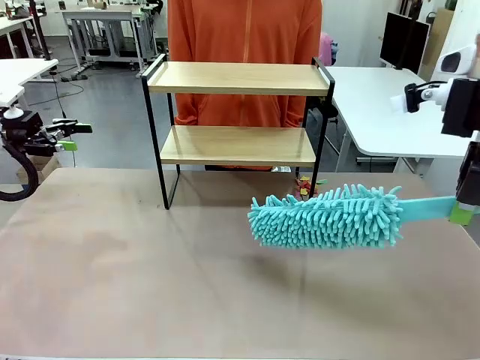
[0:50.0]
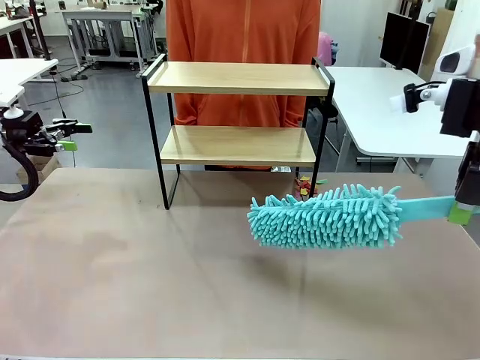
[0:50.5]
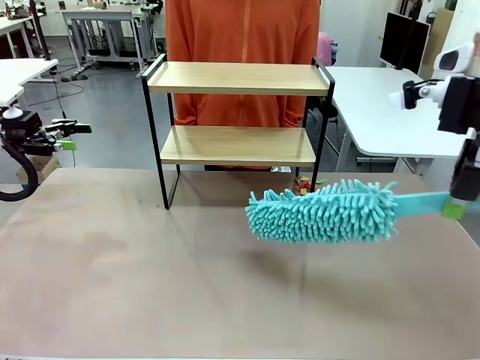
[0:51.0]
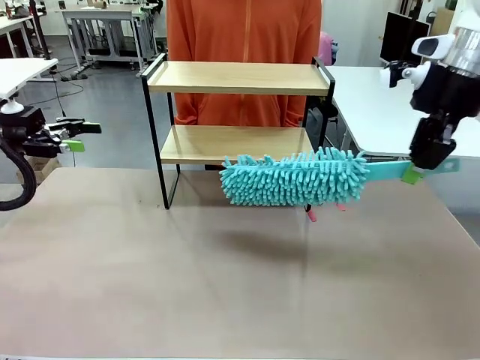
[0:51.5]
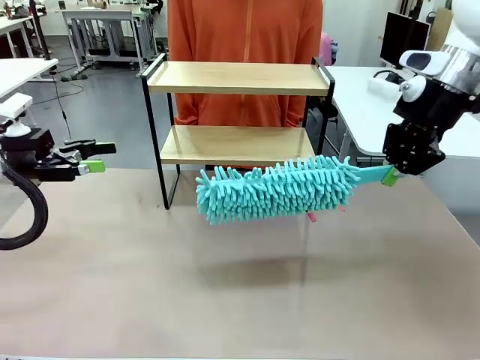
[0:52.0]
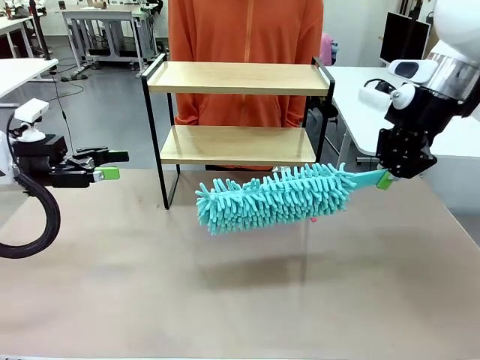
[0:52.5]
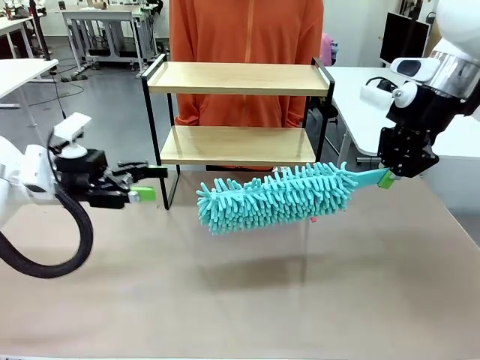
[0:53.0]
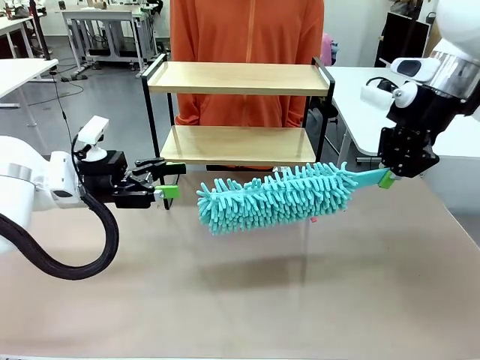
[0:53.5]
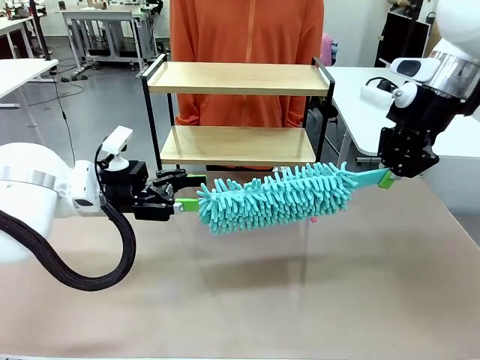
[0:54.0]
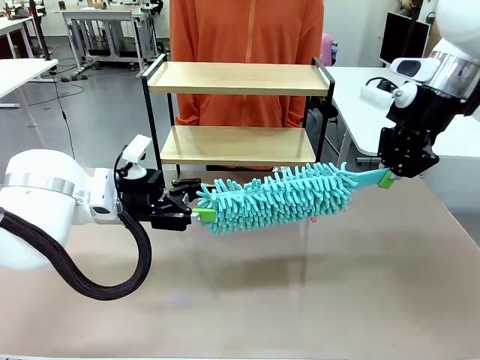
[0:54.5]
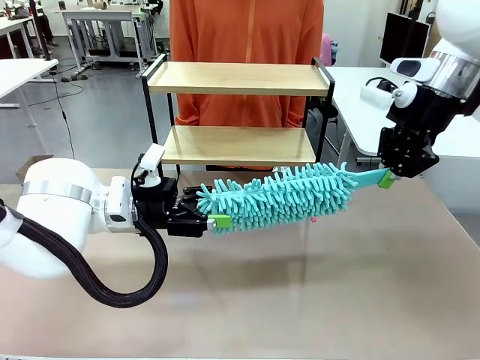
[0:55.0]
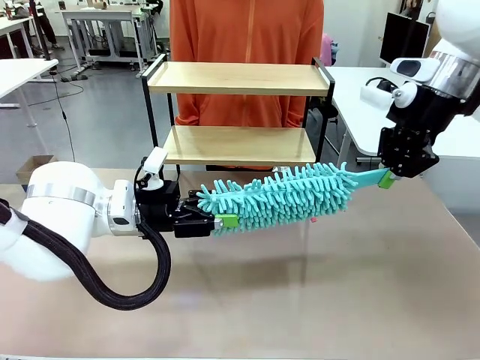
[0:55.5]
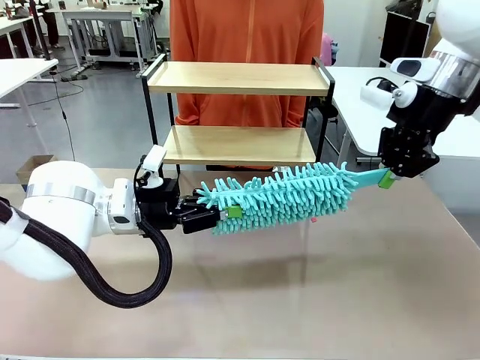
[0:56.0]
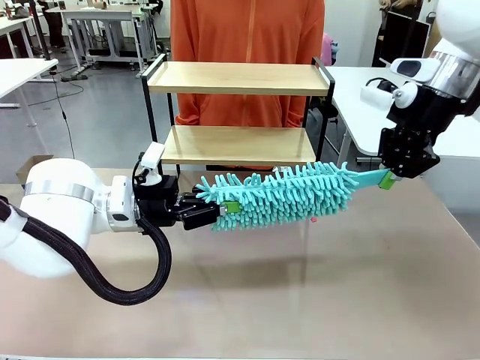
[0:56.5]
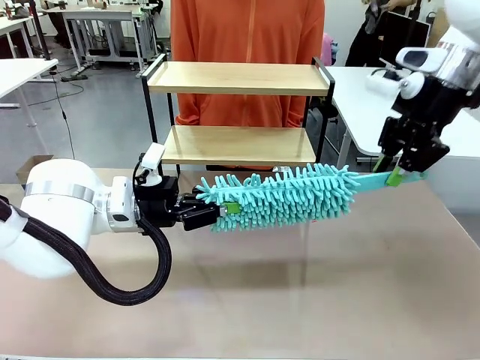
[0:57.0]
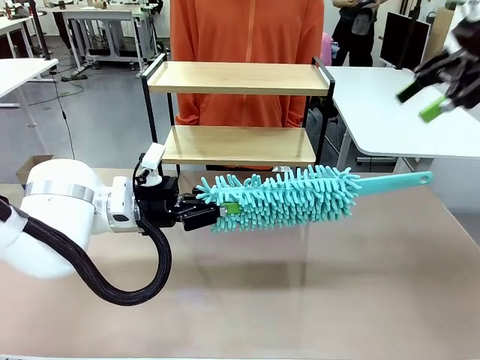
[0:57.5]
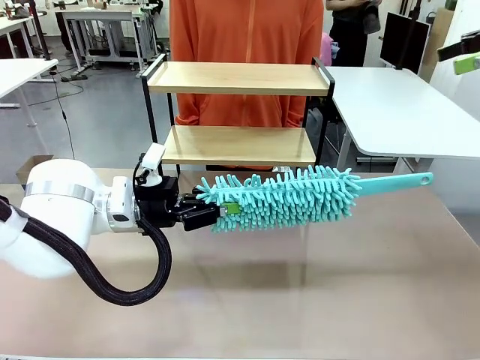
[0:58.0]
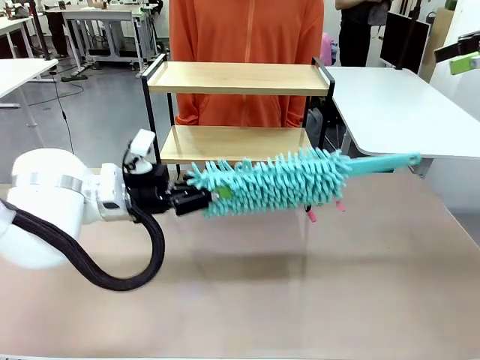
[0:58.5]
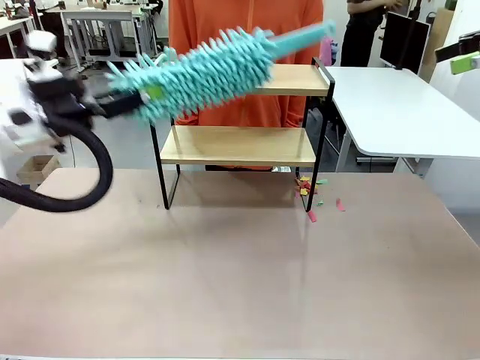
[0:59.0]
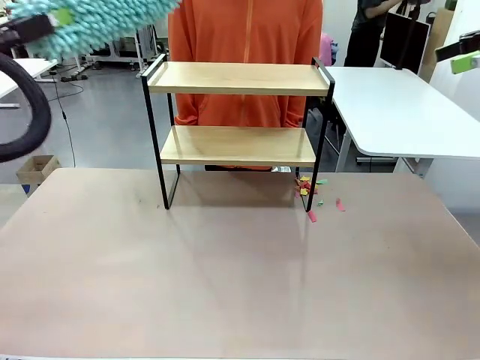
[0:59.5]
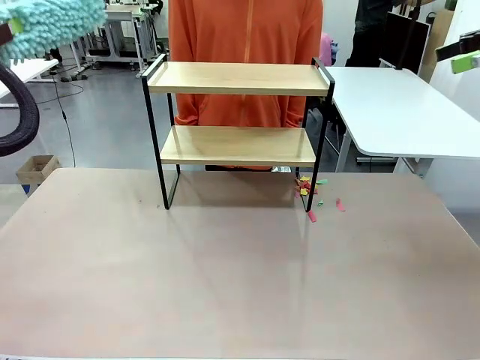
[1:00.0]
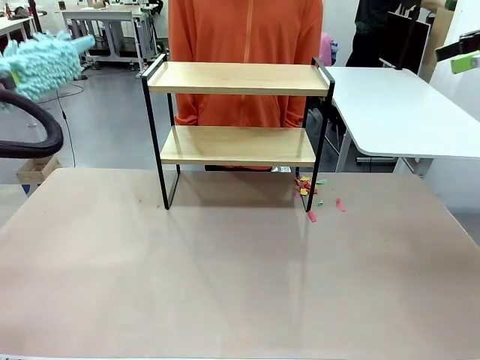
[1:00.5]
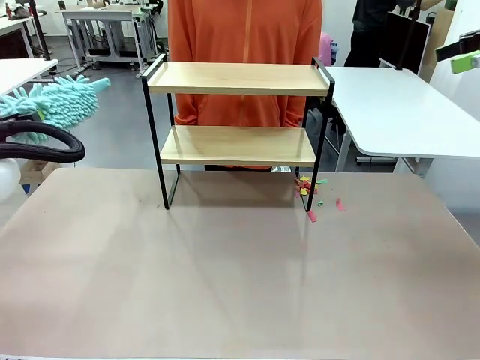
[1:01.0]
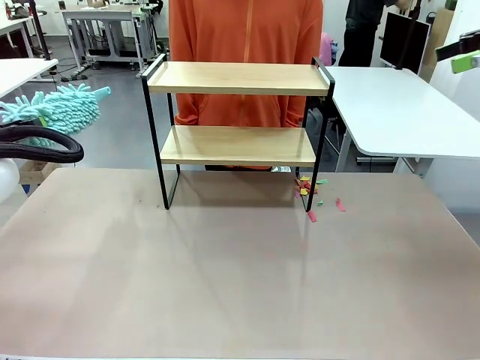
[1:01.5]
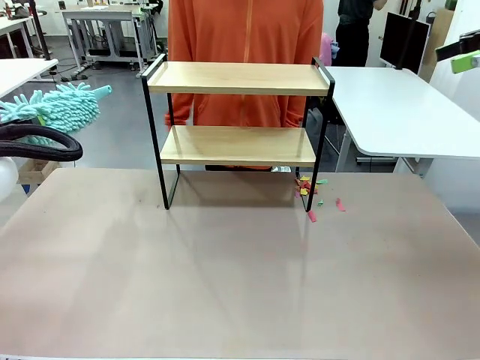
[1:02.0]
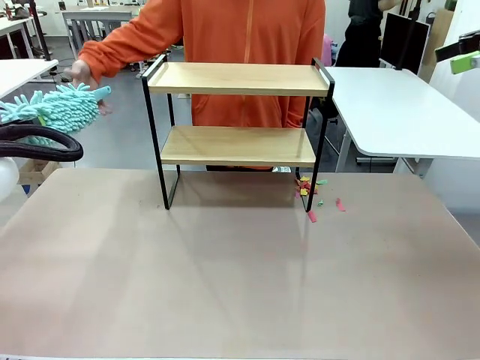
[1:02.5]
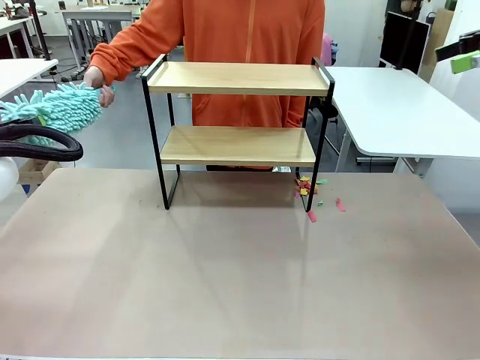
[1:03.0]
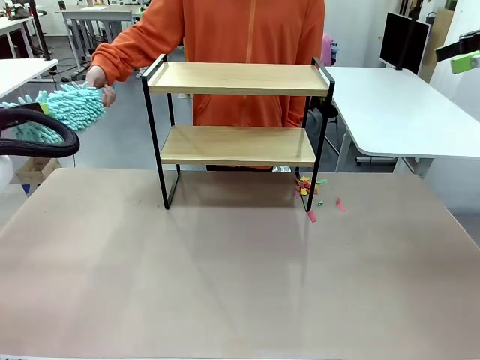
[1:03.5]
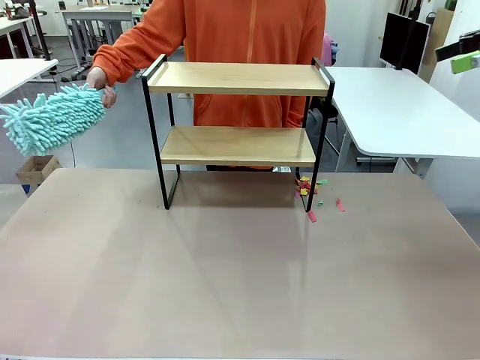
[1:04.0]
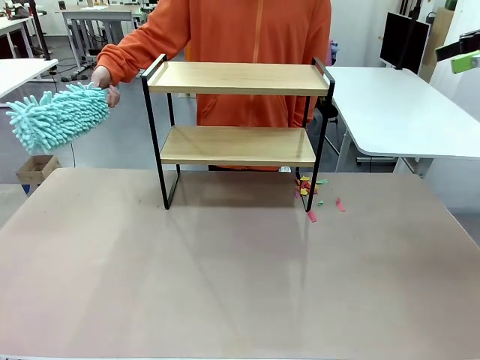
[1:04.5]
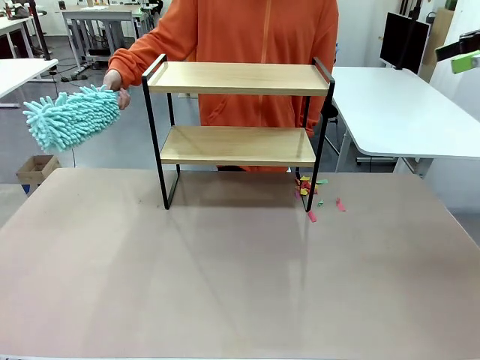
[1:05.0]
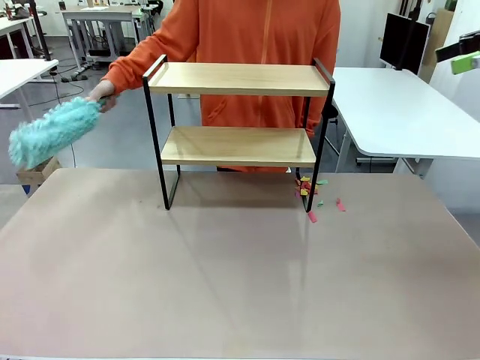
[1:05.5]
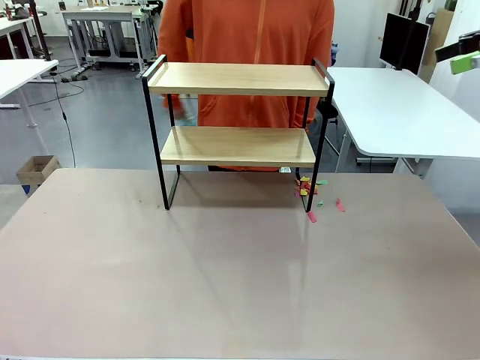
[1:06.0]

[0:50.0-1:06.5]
Task: Clean the shelf.
Robot: Hand the Duster back to the human.
Person: Receive the Duster from the robot.
